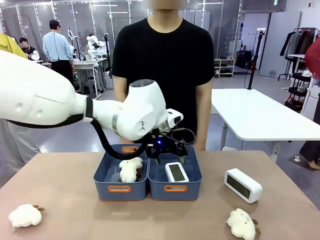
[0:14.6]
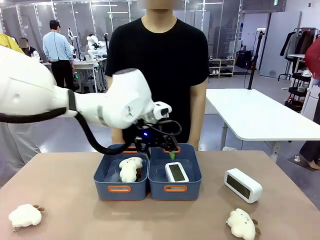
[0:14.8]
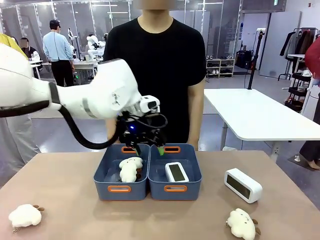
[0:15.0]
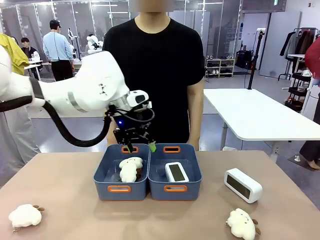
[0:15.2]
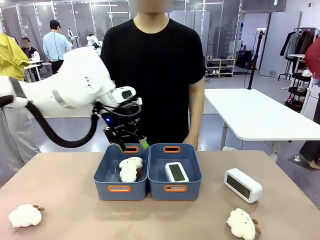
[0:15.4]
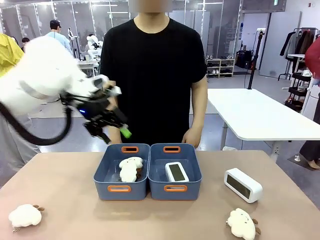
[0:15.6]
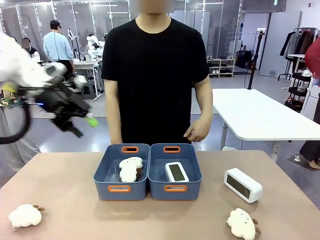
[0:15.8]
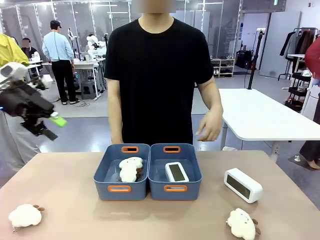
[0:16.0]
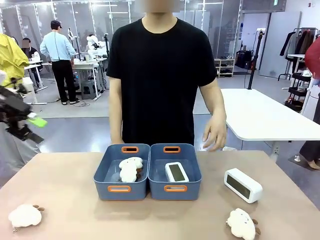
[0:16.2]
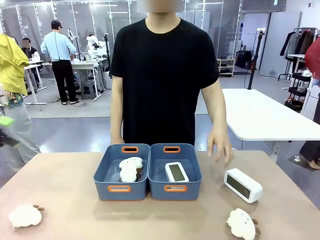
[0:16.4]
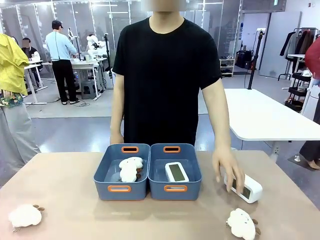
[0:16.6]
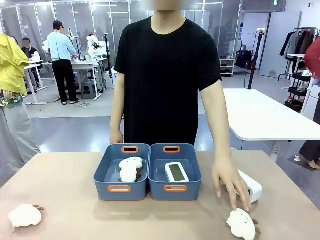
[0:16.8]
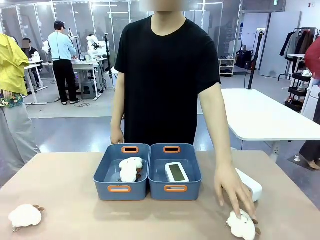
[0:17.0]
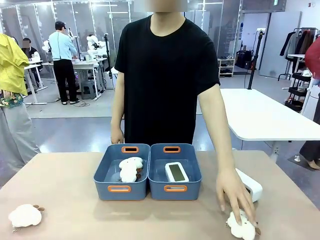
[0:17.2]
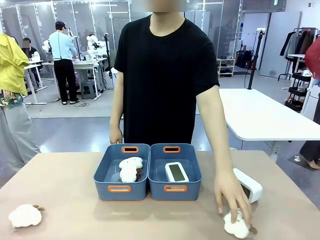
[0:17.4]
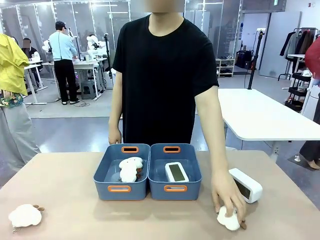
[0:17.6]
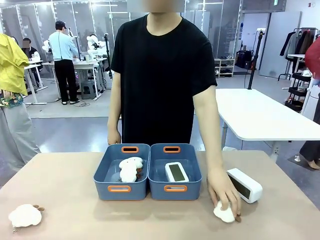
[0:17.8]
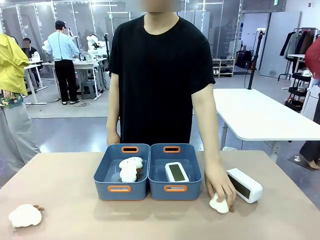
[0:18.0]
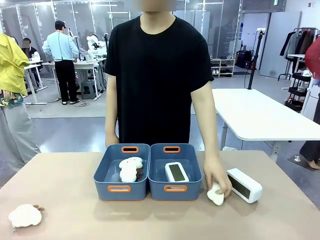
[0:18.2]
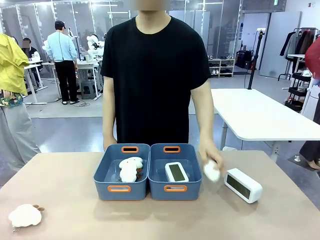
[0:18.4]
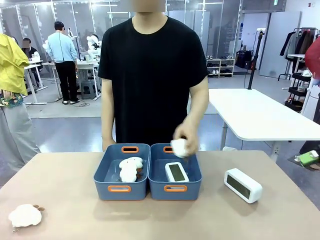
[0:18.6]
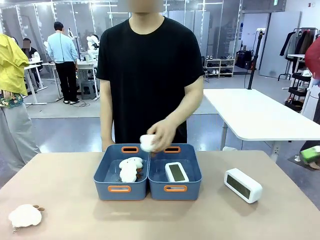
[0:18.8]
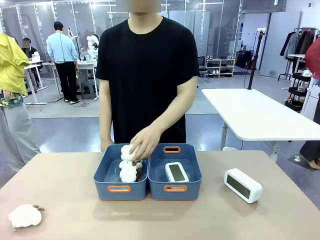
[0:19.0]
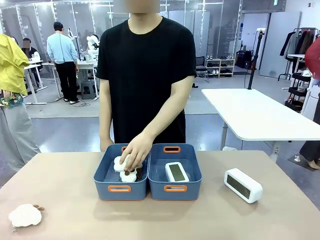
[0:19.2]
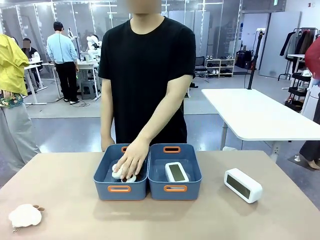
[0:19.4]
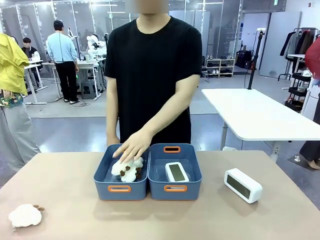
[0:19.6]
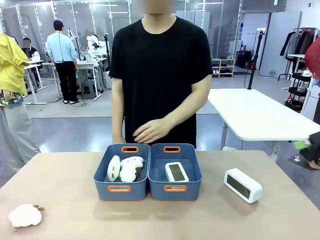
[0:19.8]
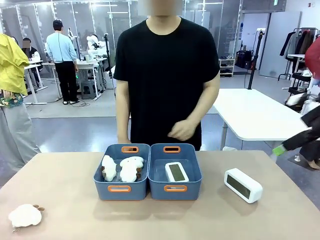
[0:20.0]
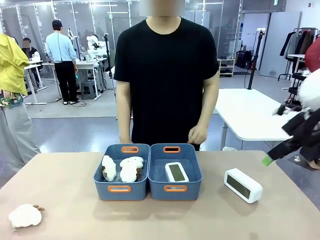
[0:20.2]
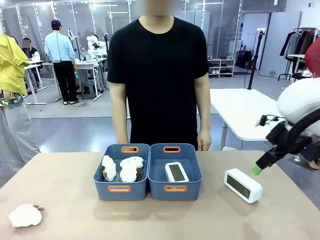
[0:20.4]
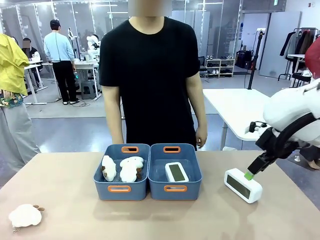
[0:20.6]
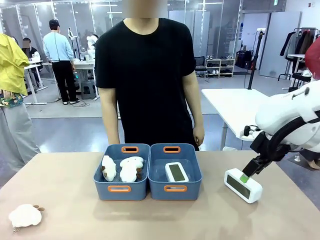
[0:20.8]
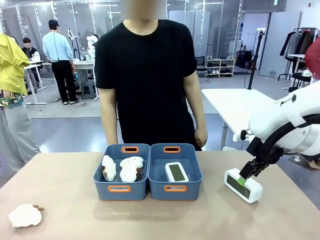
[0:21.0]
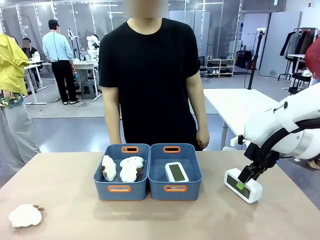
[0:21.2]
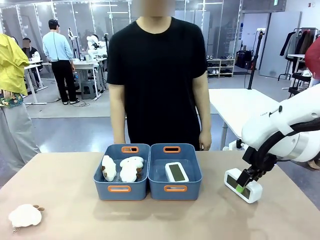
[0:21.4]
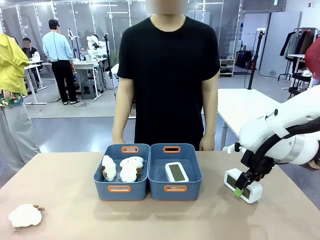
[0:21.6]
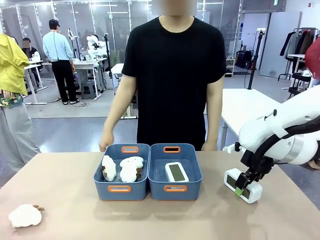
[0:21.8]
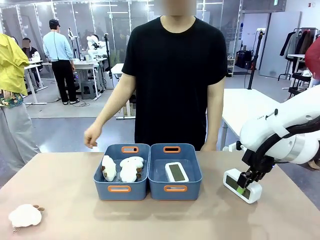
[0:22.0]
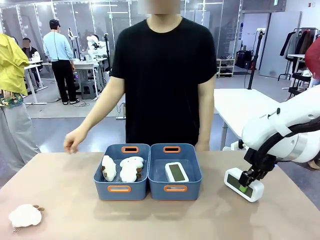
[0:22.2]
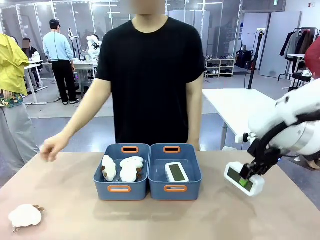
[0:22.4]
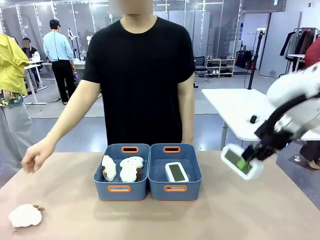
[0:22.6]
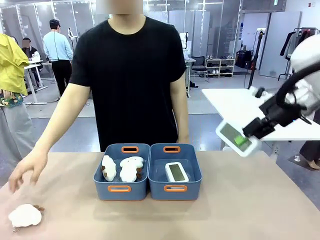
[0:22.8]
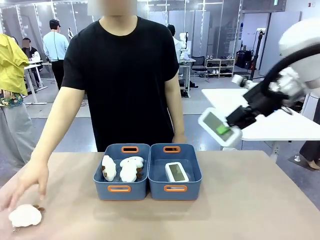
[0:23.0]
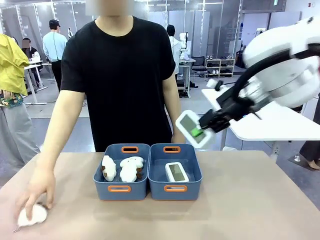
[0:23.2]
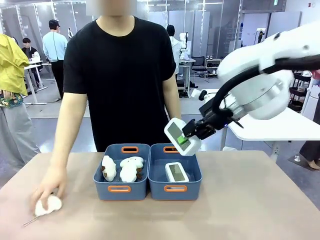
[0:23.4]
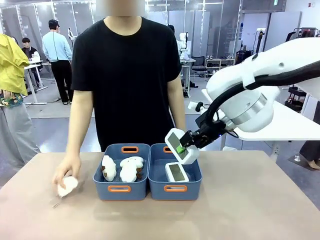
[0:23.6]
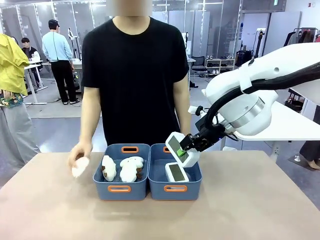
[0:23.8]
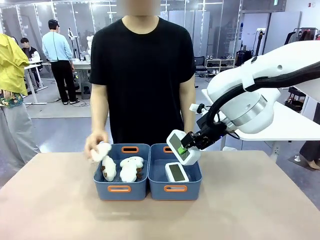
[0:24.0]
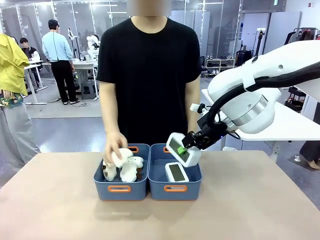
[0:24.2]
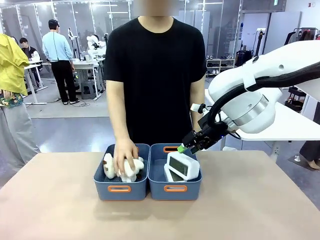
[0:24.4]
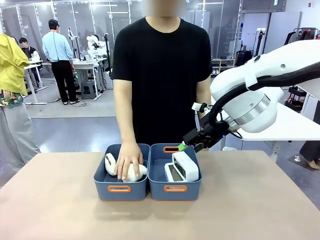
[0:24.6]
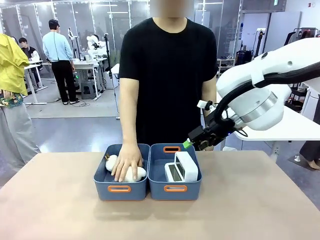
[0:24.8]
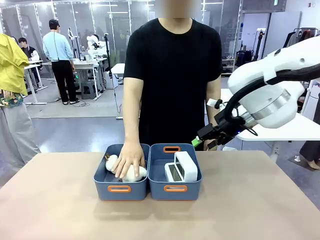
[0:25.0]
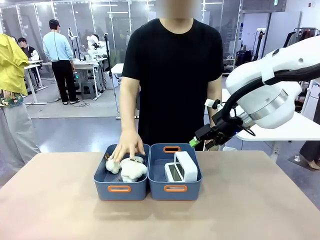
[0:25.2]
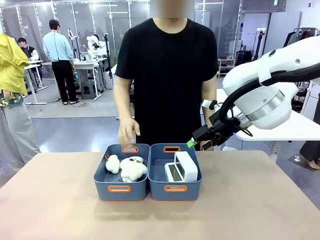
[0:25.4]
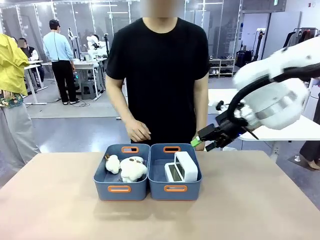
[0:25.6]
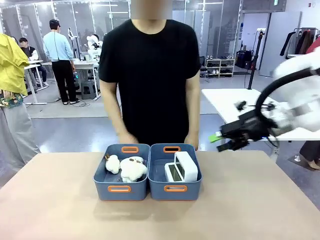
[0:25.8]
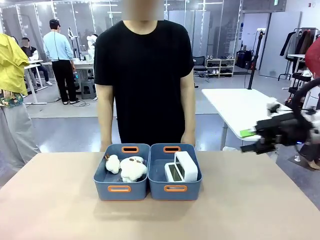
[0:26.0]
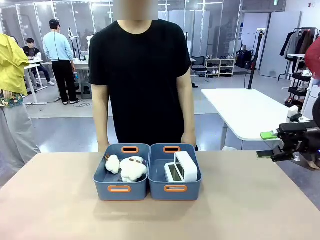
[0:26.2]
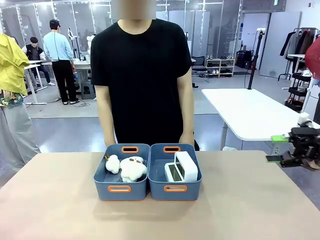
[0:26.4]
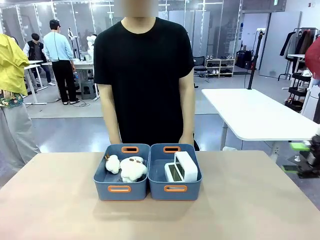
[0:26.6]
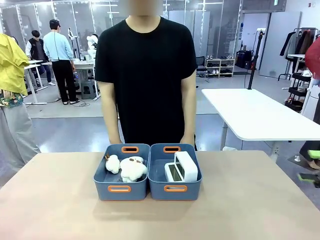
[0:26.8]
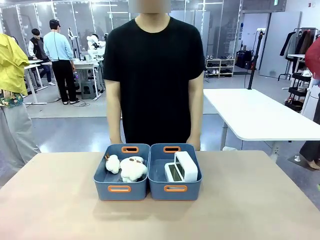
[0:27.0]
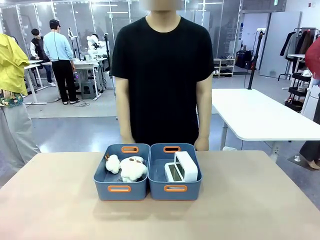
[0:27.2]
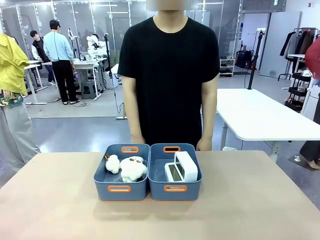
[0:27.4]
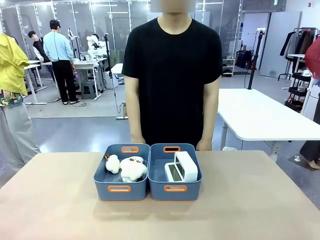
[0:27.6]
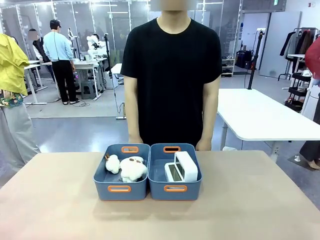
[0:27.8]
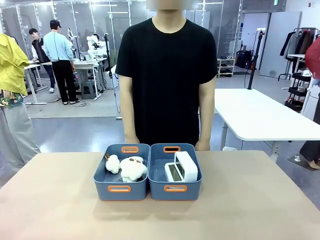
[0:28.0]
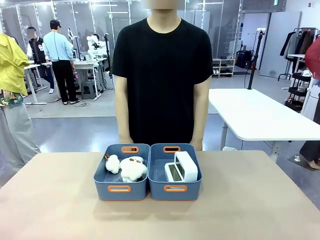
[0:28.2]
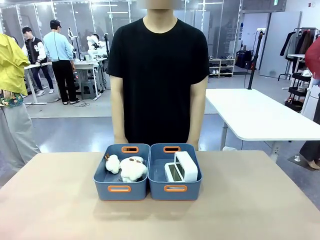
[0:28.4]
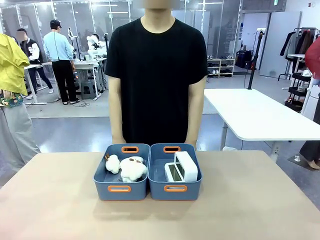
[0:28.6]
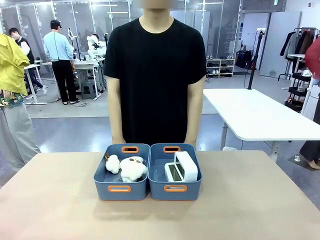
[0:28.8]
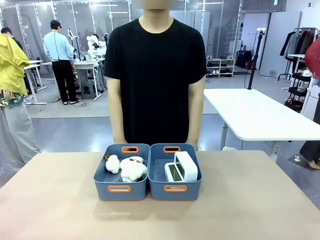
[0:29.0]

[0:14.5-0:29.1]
Task: Sort the digital clocks into the basket.
Robot: Pick up the Digital clock from the table and place it into the empty Plastic storage basket.
Person: Pick up a plush toy from the table and place it in the plastic storage basket containing the plush toy.
